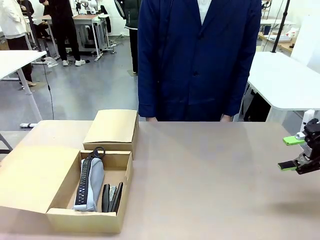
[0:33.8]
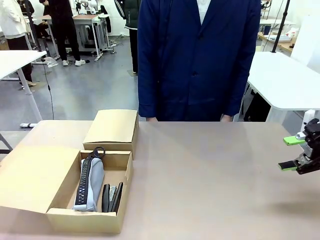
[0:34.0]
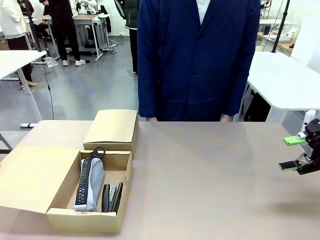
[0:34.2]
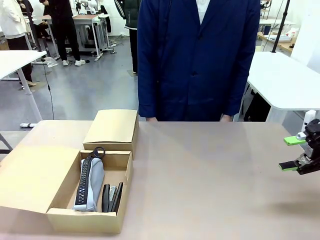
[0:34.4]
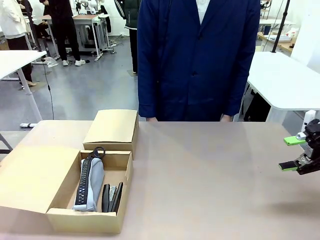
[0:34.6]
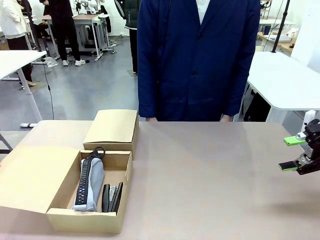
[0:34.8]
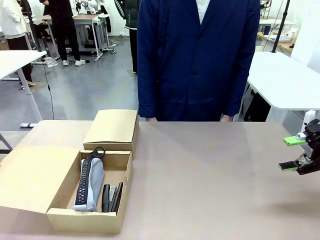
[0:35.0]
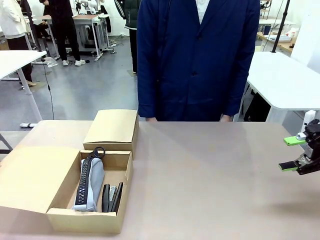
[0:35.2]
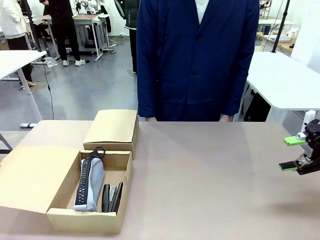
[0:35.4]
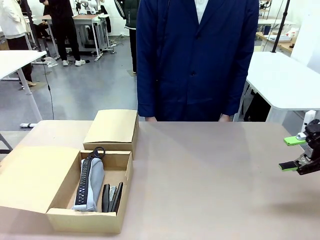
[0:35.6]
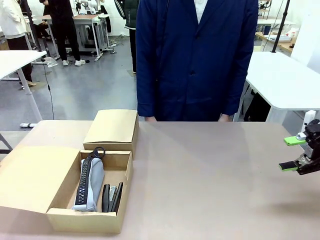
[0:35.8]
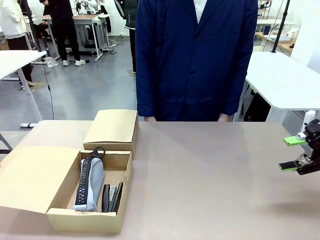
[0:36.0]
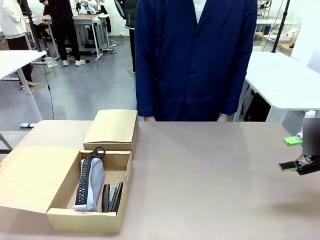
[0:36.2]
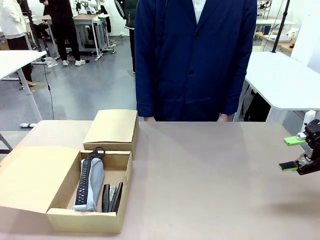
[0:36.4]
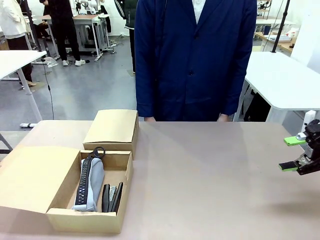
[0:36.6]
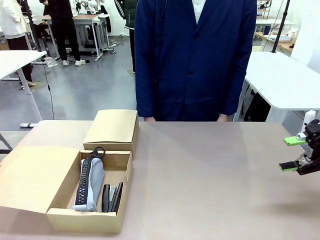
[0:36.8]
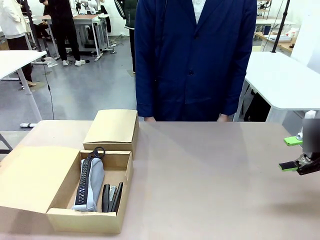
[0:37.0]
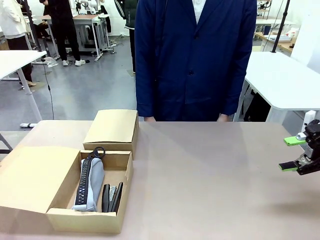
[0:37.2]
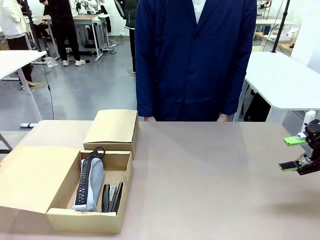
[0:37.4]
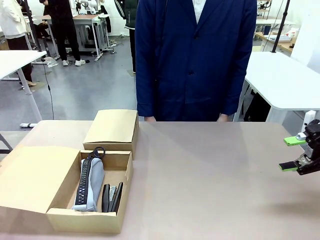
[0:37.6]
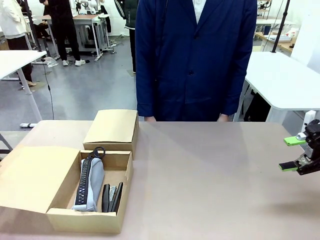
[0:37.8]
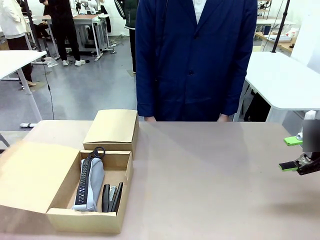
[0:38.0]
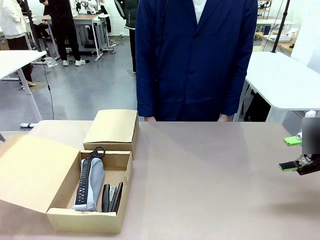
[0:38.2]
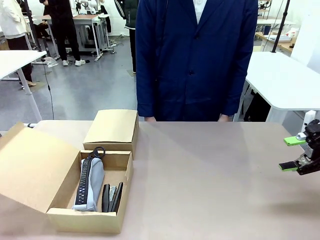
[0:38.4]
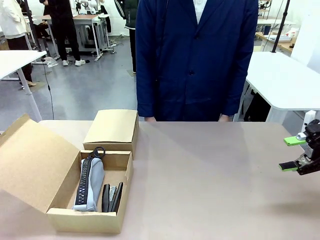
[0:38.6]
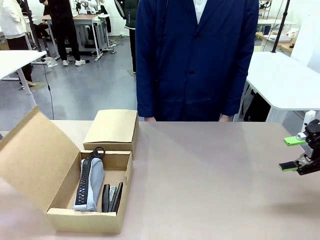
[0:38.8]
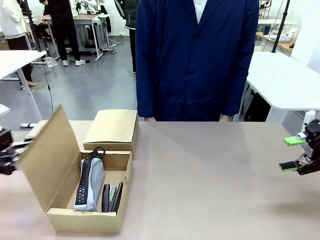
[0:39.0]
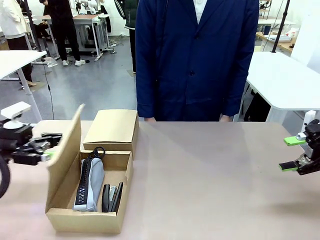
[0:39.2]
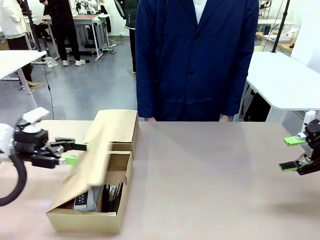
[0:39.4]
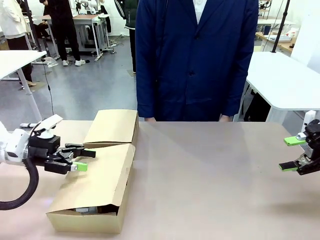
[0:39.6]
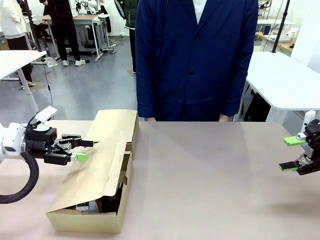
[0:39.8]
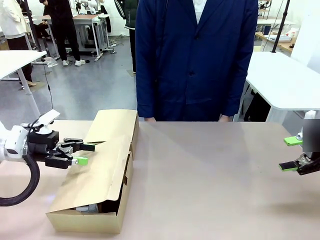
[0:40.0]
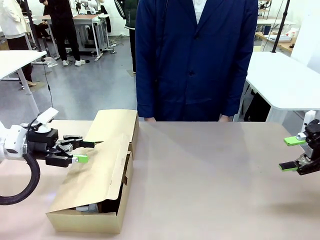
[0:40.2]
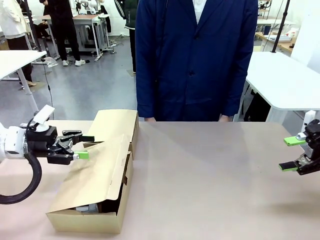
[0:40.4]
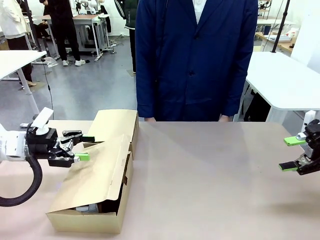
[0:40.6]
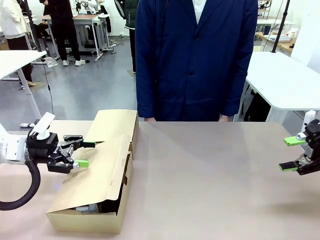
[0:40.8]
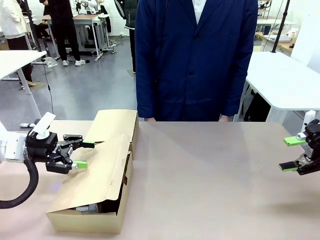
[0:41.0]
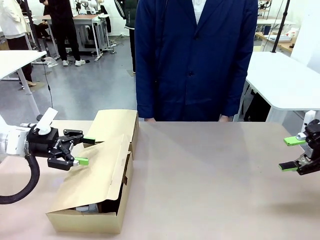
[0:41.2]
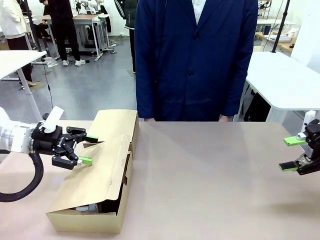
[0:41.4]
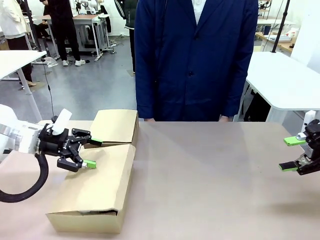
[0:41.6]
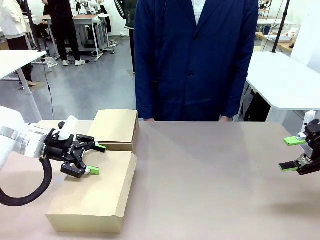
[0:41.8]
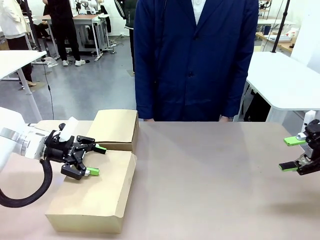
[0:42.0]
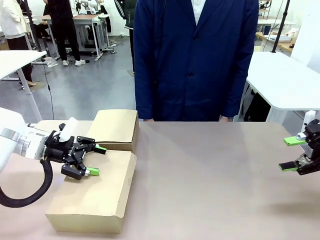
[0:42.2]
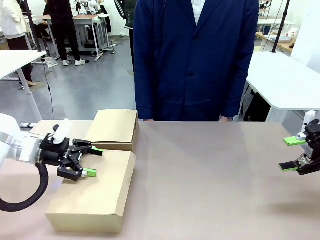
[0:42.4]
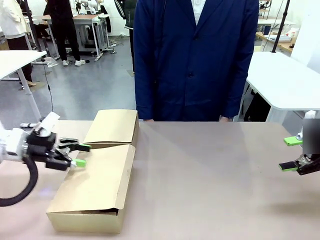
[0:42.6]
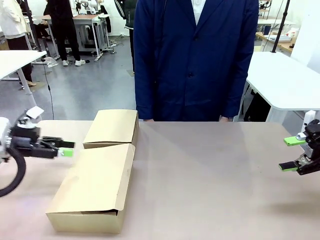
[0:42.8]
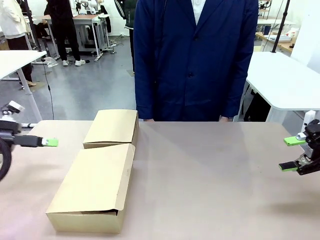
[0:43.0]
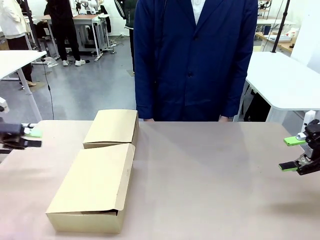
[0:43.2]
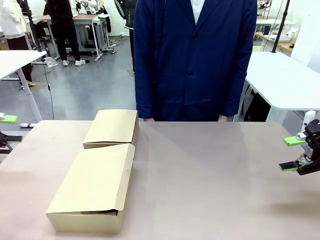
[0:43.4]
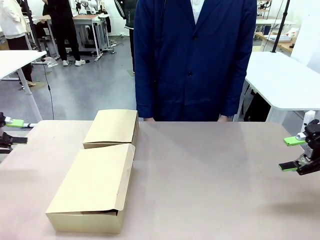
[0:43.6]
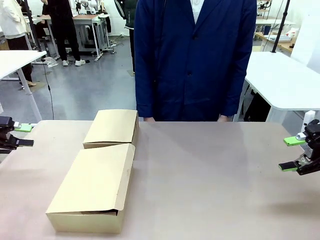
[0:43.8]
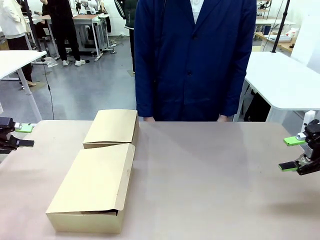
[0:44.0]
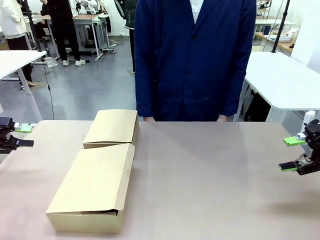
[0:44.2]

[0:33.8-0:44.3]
Task: Place items inside the box.
Robot: Close the lid of the Mailer Box closest to the robot.
Person: Close the lid of the box facing the person.

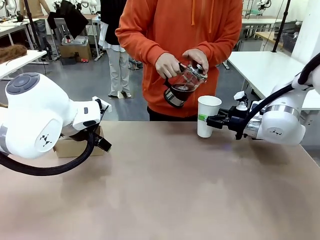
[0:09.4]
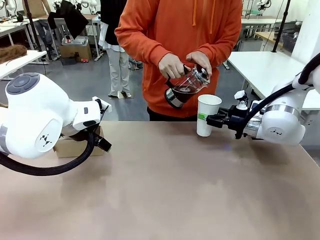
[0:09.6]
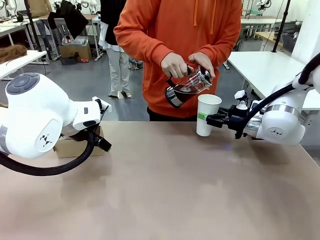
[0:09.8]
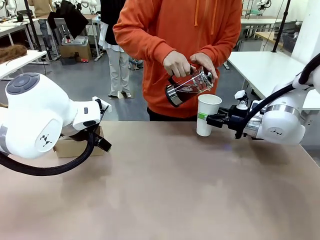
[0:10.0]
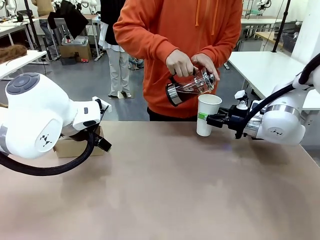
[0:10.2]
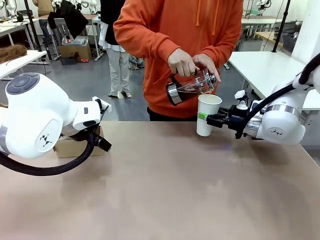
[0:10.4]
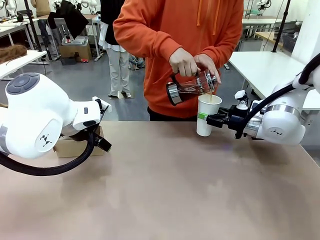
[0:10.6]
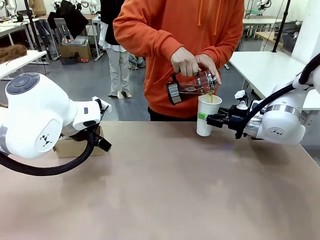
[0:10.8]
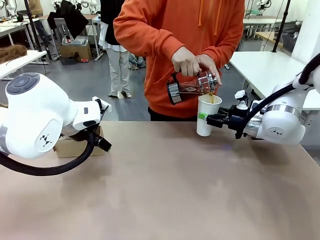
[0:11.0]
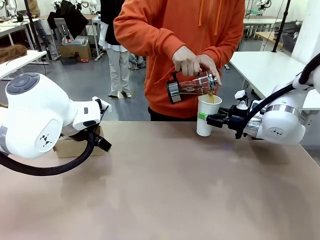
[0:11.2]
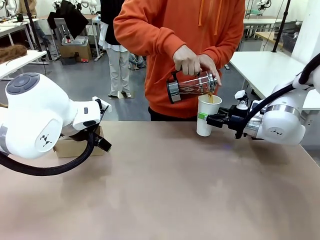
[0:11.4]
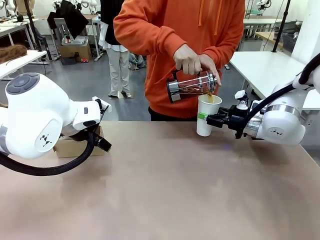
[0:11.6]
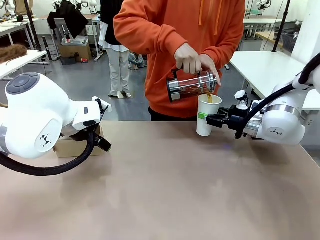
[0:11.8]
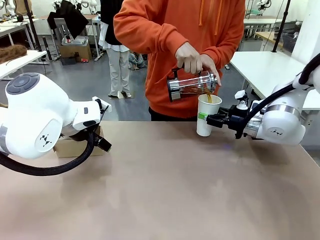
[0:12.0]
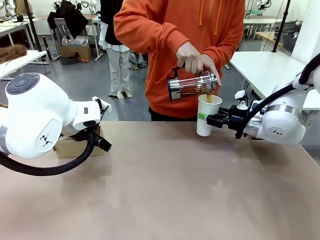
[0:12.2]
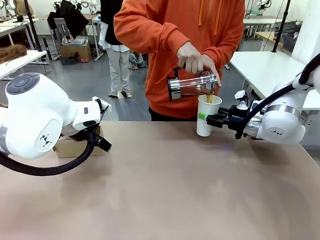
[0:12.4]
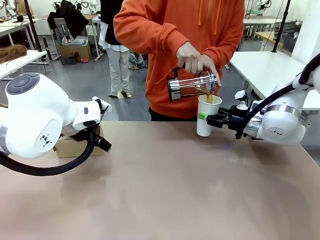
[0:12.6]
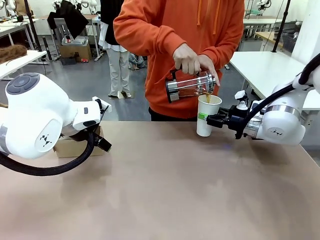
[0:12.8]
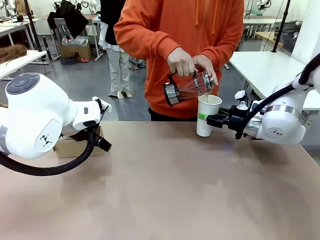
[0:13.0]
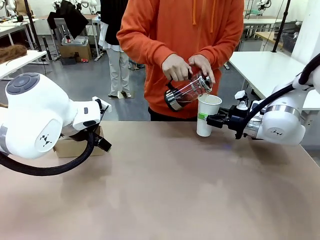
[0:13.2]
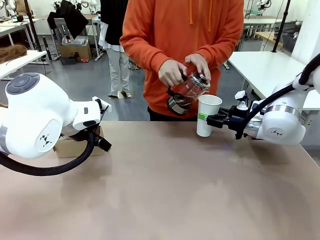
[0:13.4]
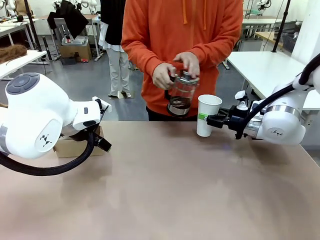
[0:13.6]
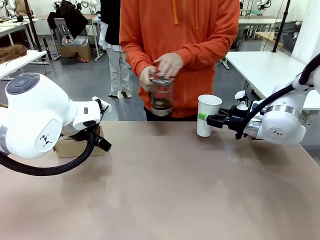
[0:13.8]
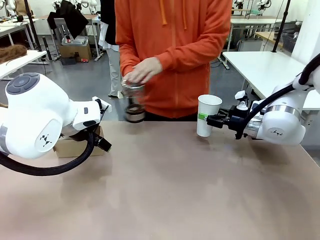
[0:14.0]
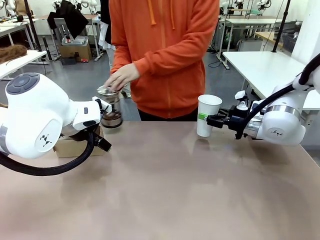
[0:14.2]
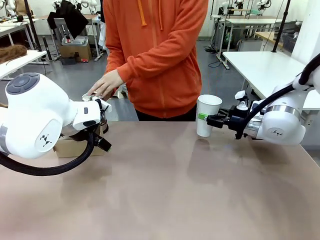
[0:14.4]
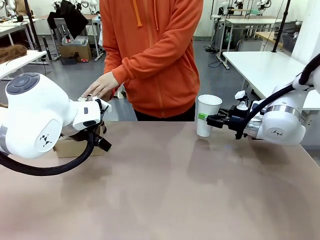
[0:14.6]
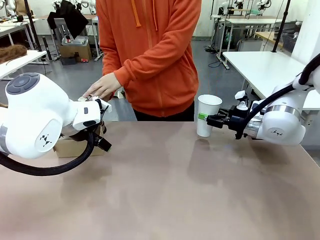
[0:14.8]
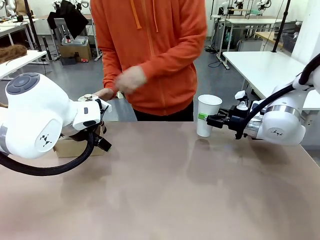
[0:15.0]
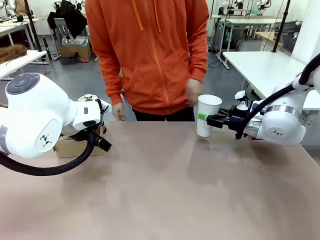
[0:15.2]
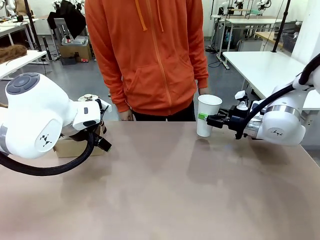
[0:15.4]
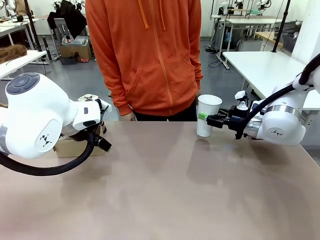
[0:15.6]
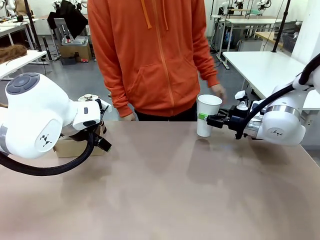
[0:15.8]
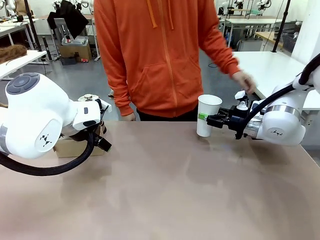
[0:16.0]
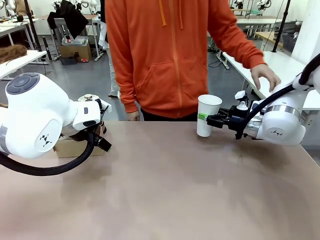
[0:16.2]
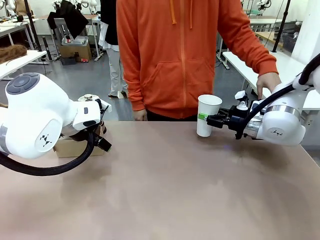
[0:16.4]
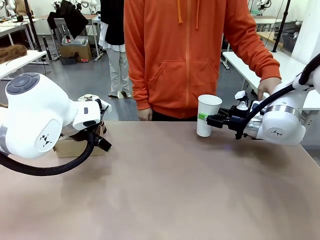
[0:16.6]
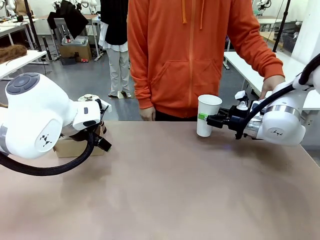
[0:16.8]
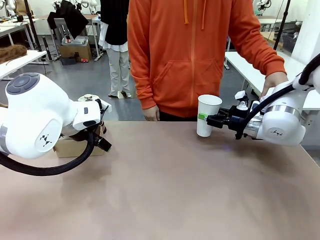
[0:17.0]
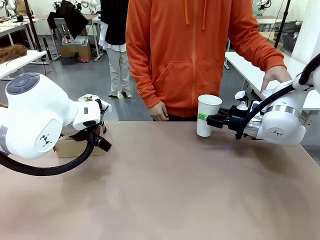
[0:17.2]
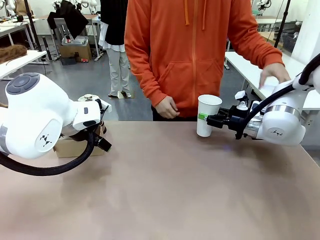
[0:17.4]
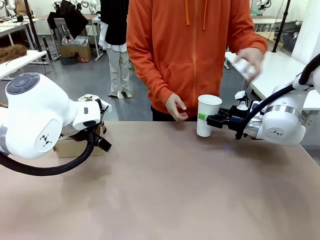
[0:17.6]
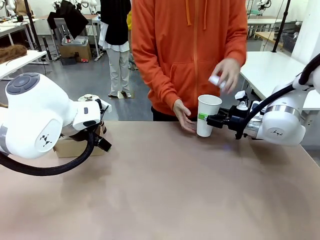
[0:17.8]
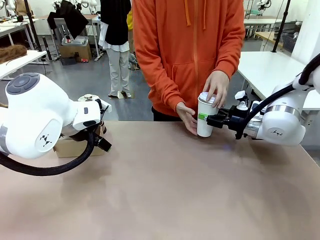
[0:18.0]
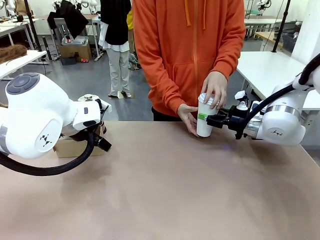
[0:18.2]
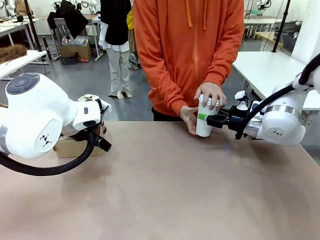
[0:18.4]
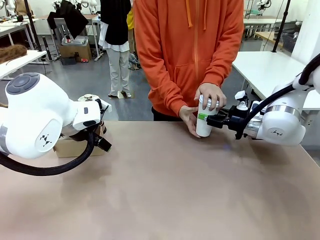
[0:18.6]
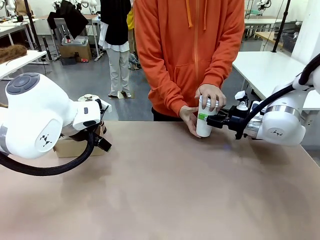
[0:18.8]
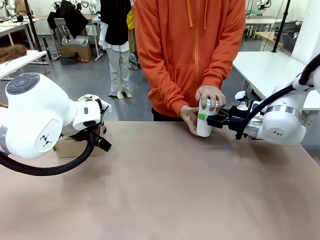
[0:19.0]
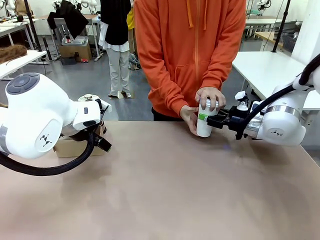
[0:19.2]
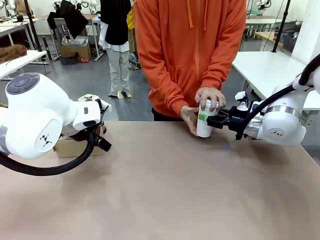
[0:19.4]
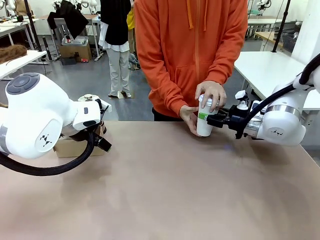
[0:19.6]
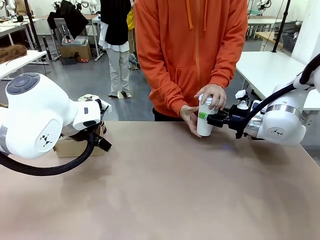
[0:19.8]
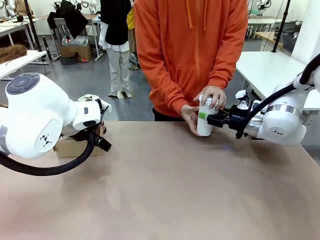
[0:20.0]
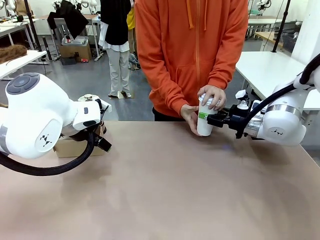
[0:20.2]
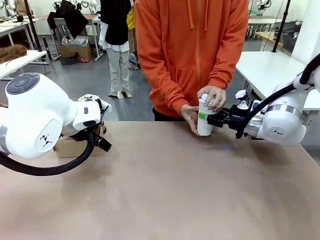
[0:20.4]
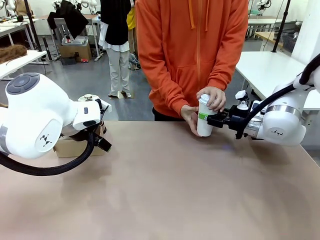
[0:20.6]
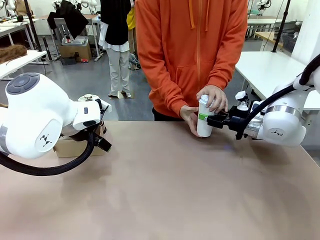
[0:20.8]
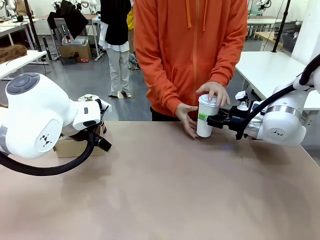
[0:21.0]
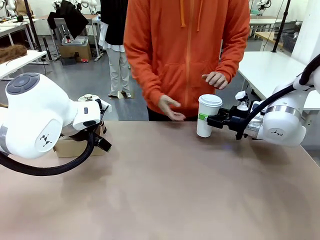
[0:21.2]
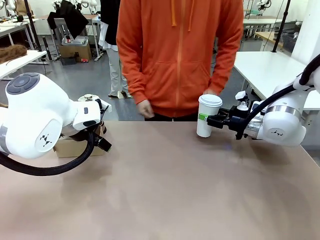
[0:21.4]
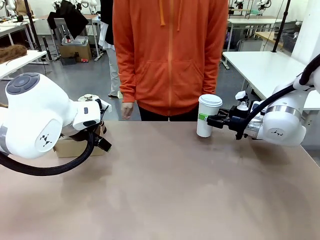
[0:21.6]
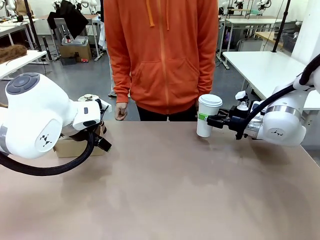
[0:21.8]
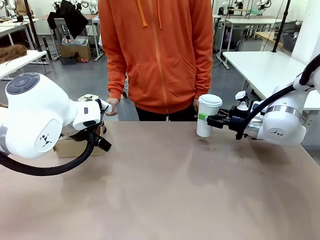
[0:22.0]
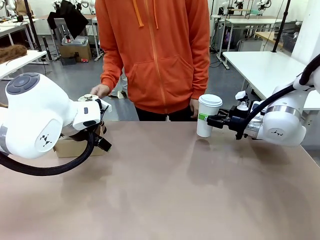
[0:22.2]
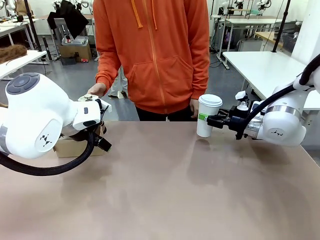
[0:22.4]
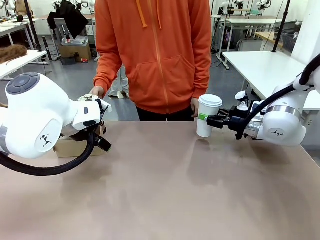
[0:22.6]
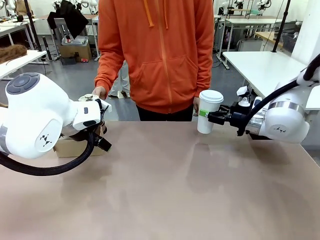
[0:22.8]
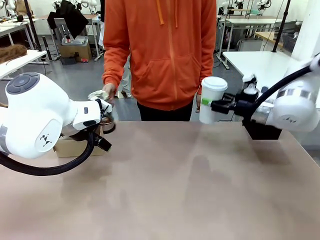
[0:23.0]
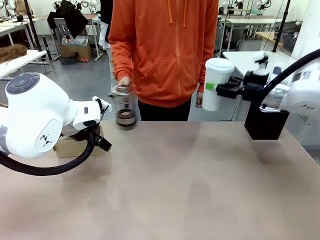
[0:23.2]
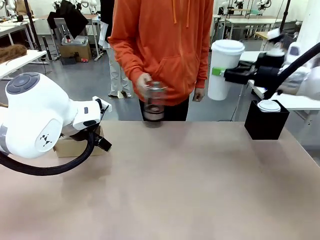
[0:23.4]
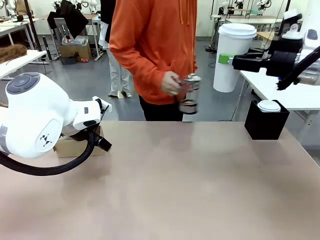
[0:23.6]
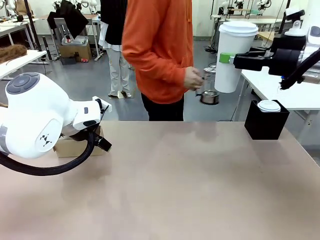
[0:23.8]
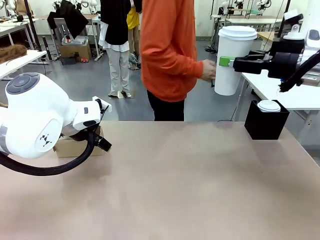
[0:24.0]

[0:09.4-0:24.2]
Task: Pour a drink into a cup and package it in a carrier.
Robot: When a person places the Paper Cup Lid on the 600 ml Paper Cup , lift the 600 ml Paper Cup.
Person: Pour the drink from the Filter Brewing into the 600 ml Paper Cup. Place a Paper Cup Lid on the 600 ml Paper Cup.
